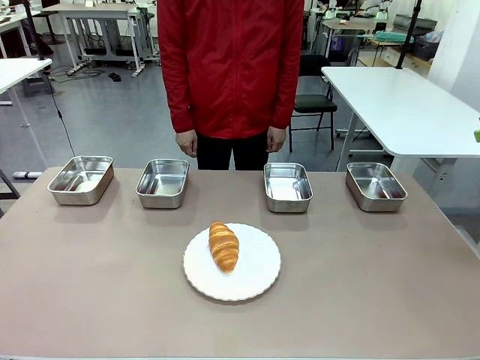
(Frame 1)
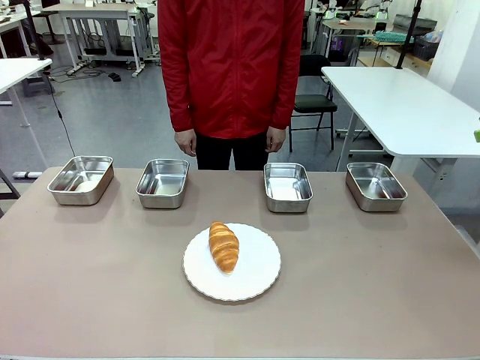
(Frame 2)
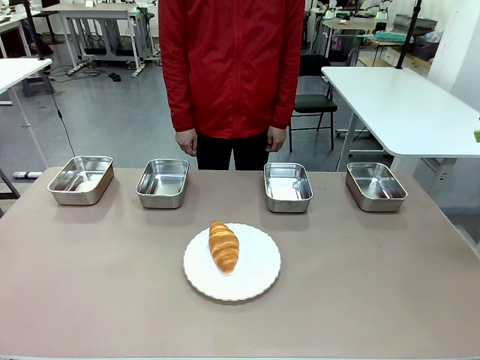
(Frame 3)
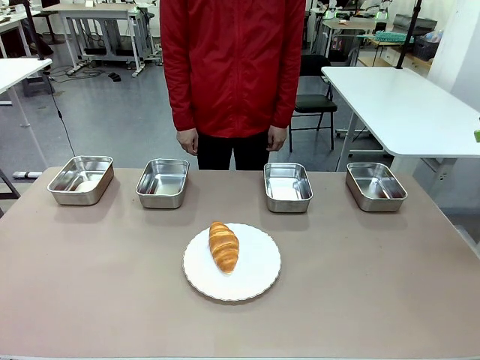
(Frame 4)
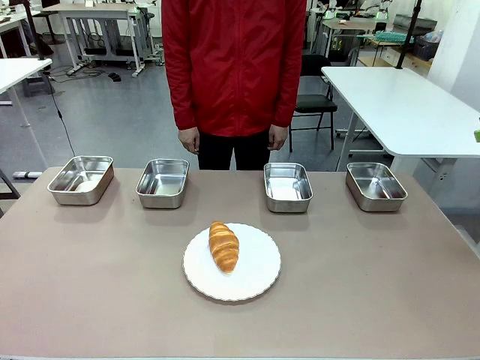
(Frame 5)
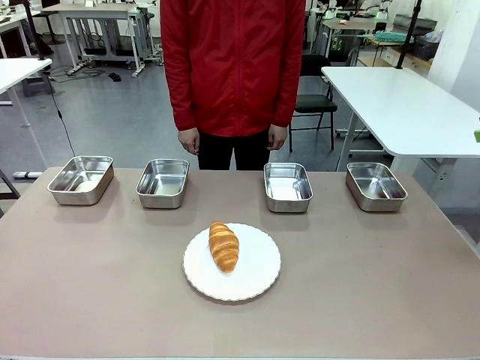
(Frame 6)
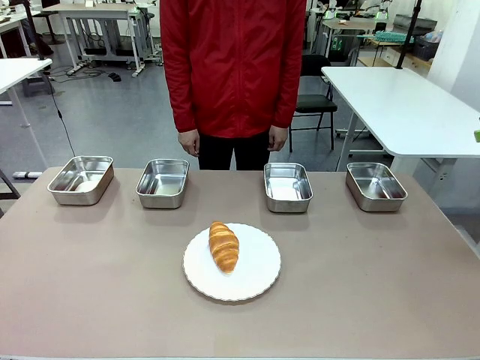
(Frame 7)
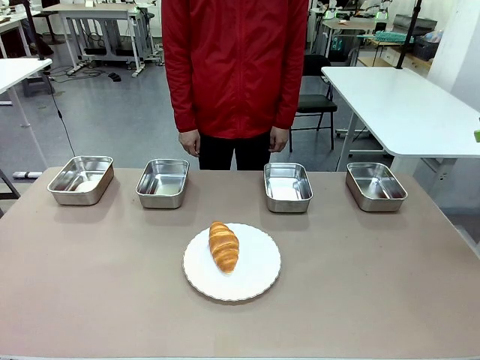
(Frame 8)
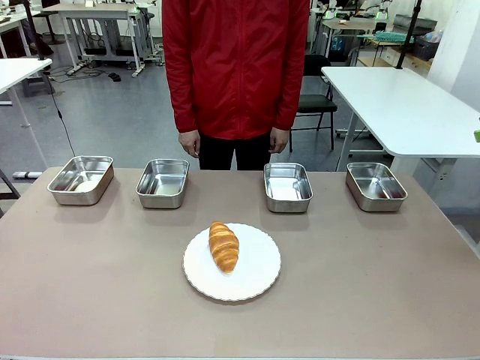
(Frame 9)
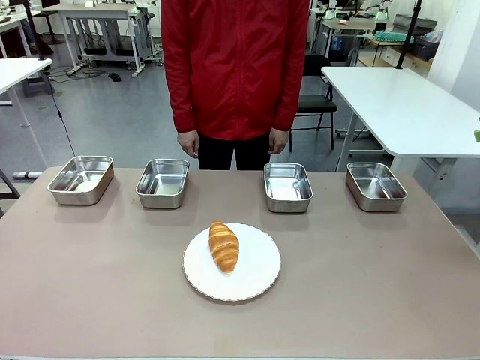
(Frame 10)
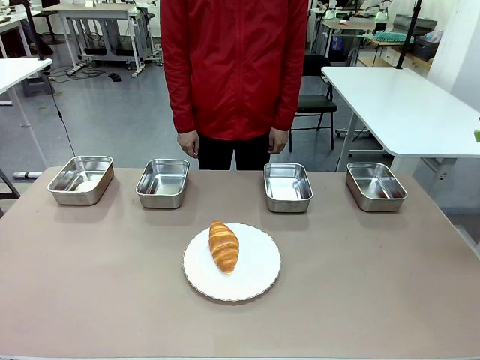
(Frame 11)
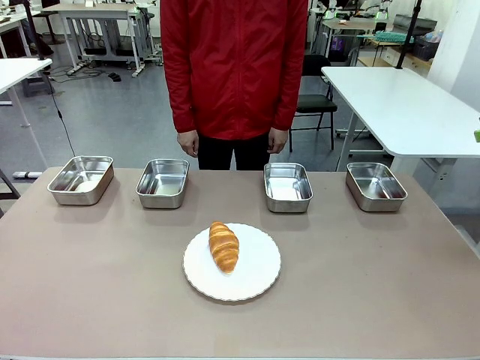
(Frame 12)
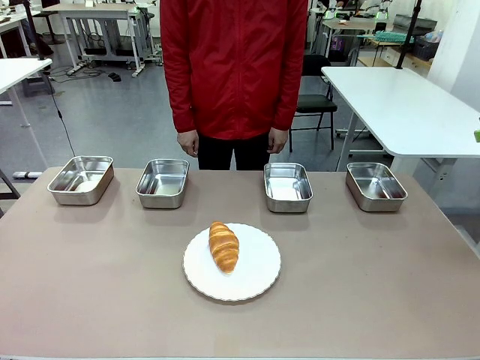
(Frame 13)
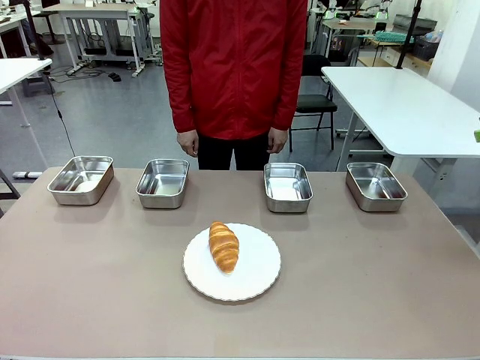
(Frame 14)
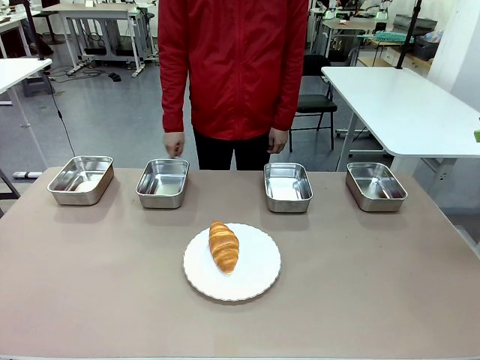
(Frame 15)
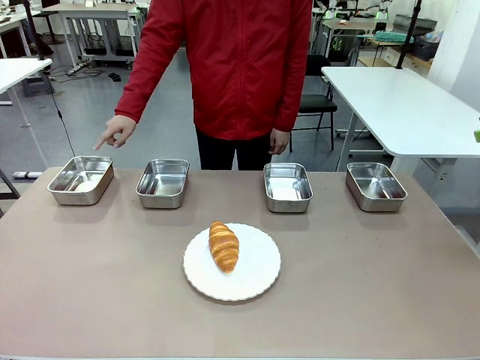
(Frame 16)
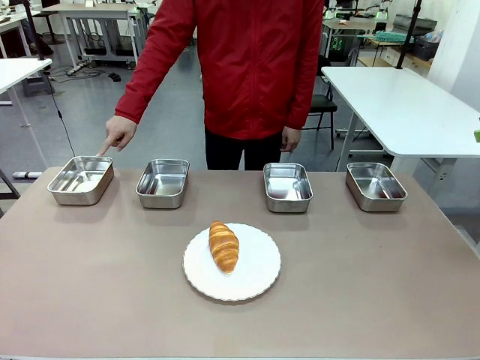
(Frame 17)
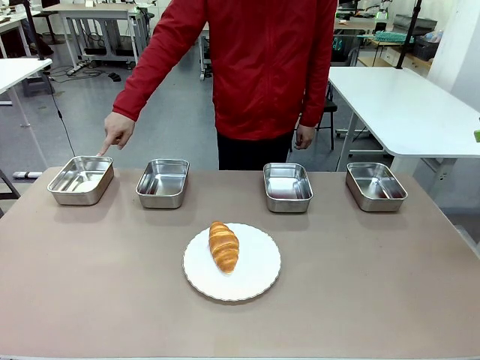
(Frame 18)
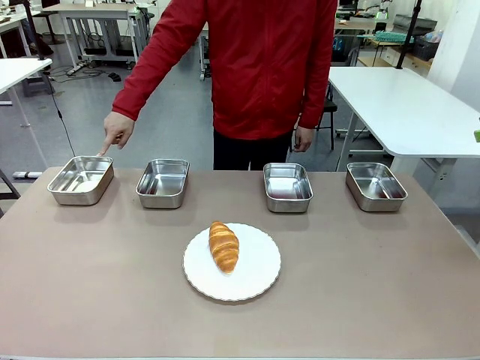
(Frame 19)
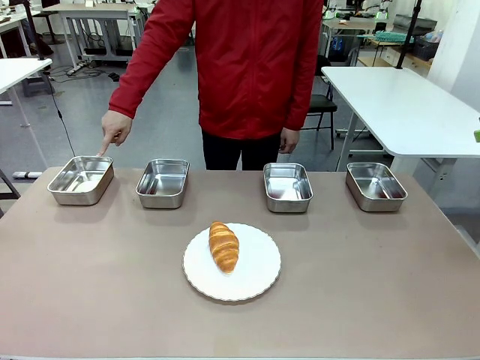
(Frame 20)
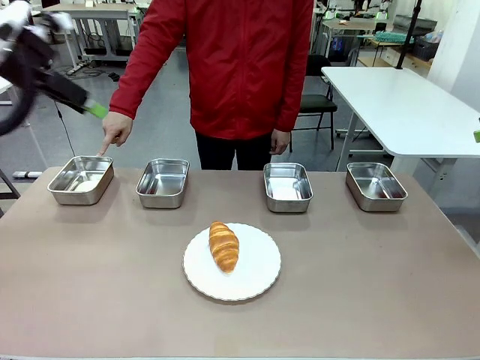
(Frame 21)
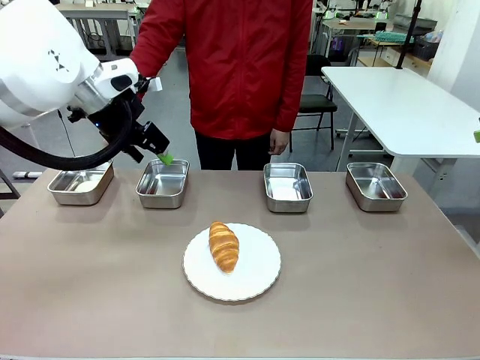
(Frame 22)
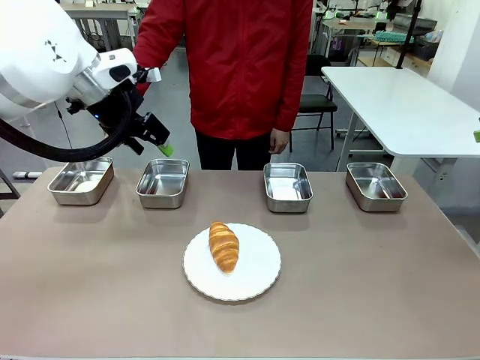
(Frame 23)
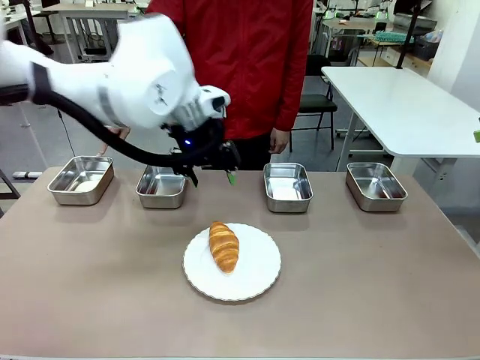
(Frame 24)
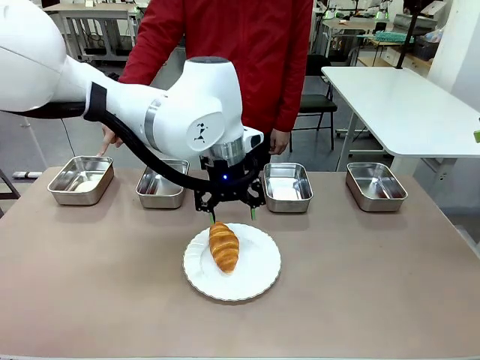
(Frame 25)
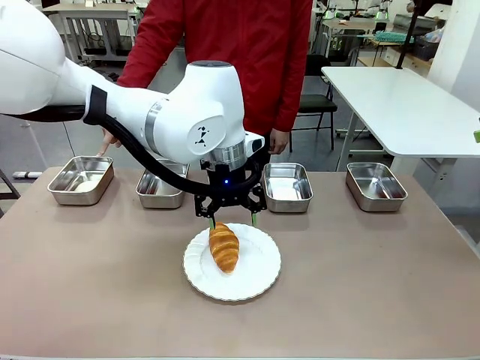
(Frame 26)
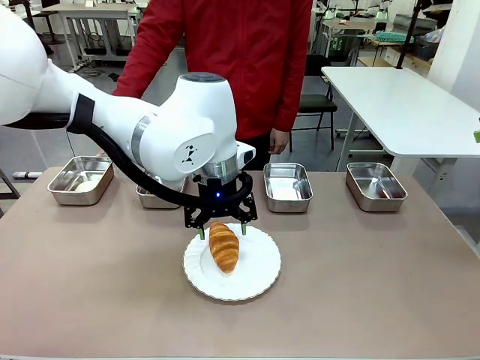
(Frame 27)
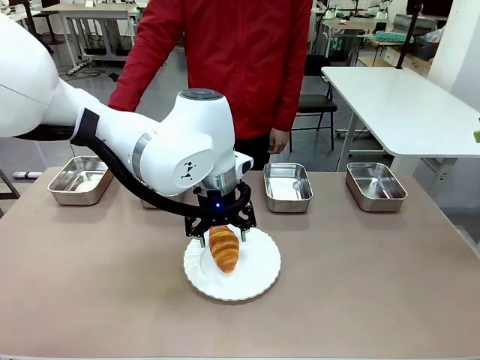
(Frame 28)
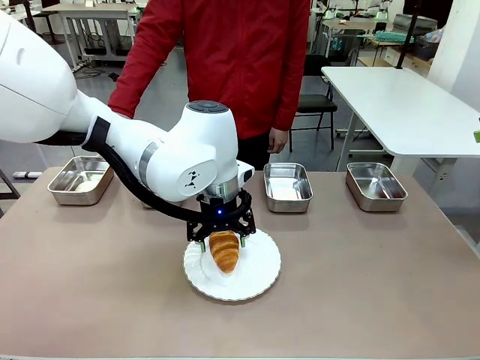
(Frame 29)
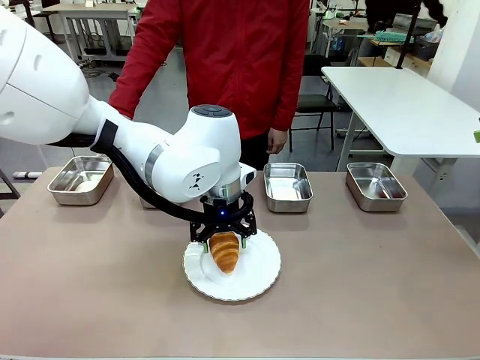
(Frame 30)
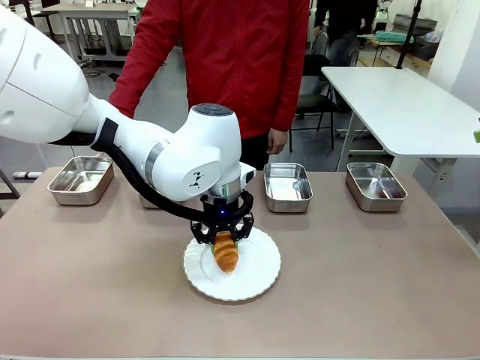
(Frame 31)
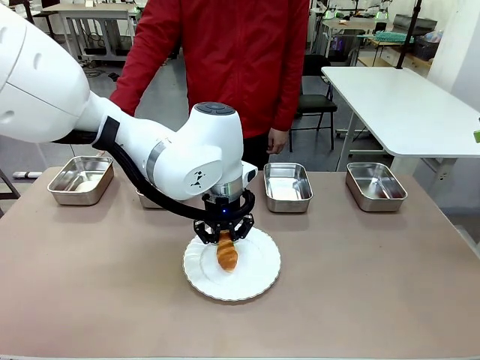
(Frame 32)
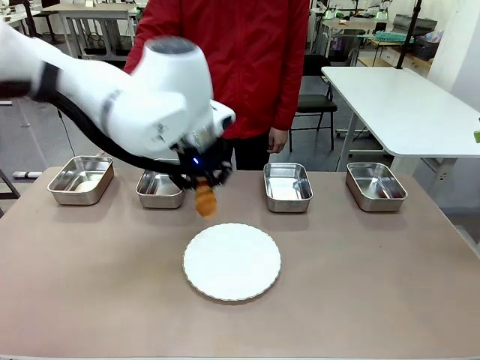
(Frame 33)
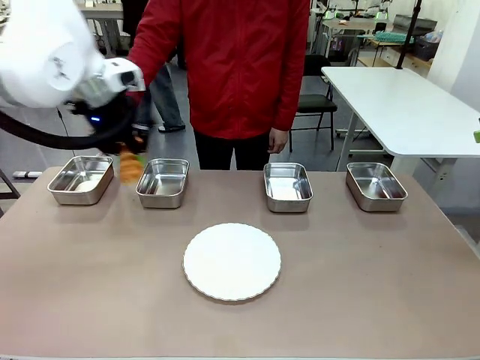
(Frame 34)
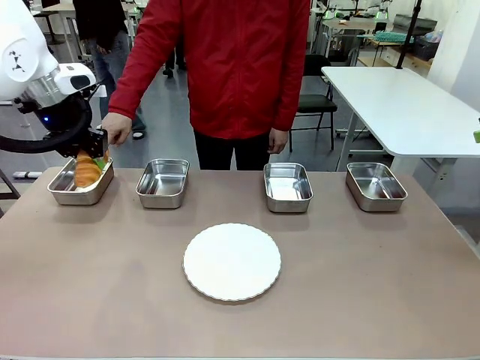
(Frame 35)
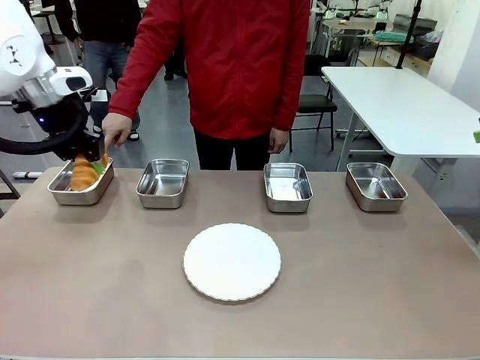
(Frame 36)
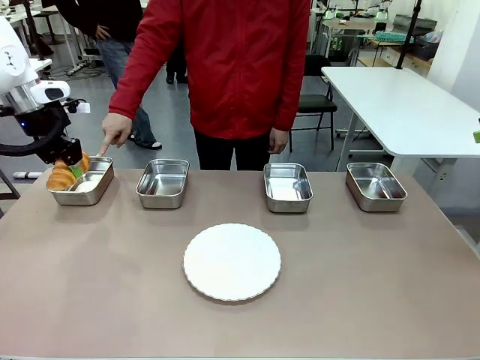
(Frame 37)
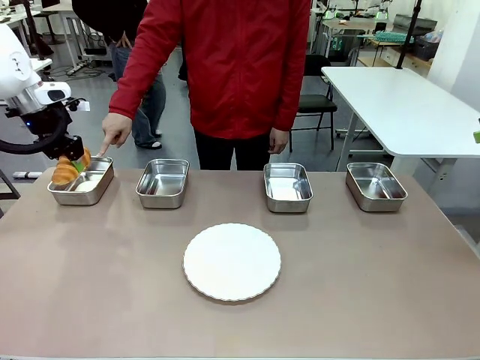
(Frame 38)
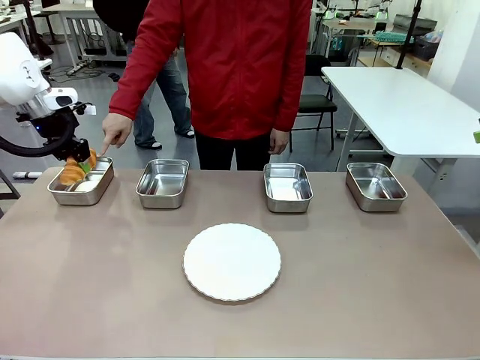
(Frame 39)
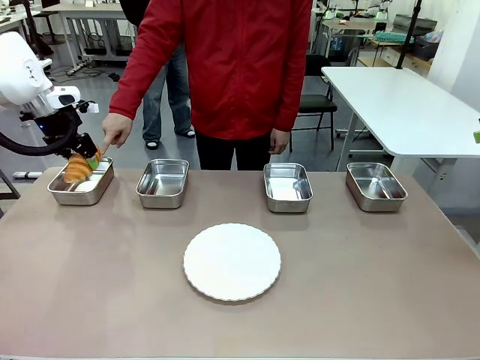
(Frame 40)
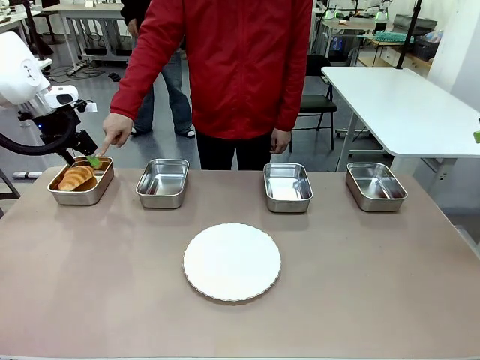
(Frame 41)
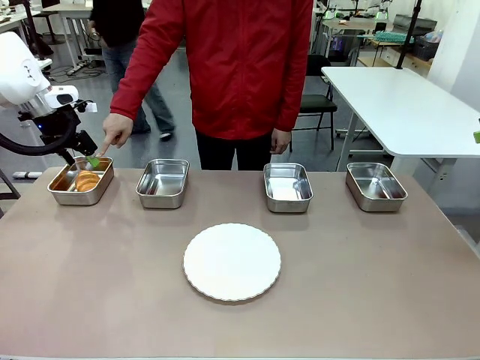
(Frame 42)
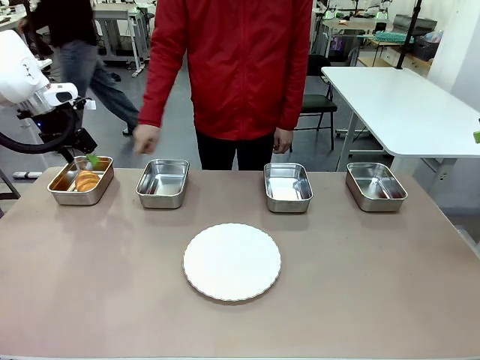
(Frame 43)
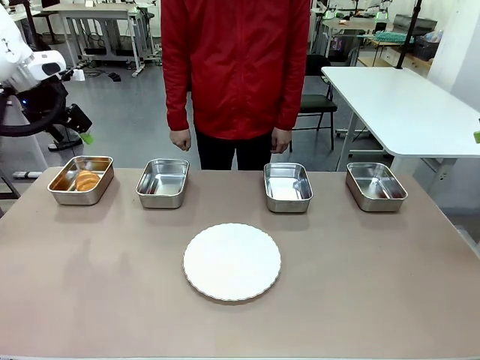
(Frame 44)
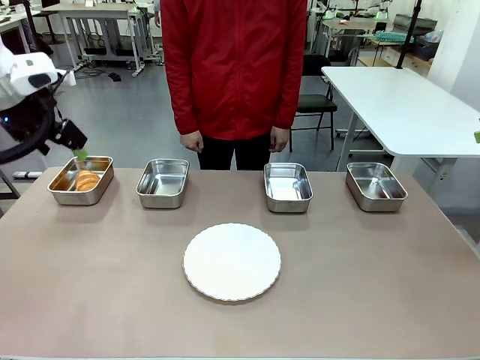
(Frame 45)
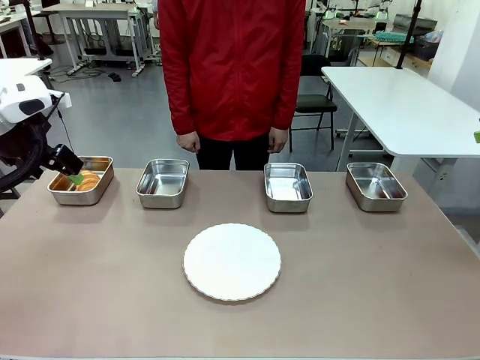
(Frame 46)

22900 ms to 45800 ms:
Task: Place the bread in the container.
Robot: Place the Butter Roll into the Airtight Container indicated by the human.

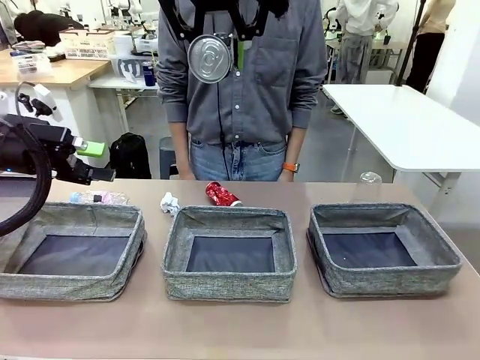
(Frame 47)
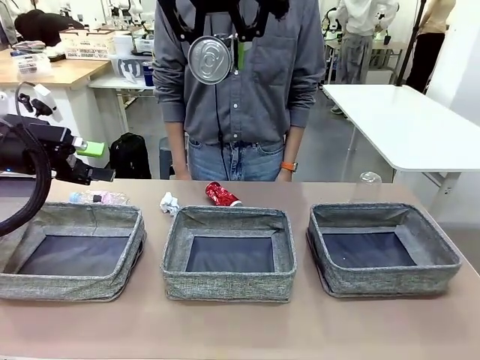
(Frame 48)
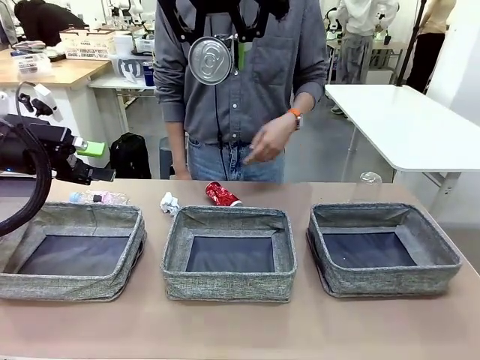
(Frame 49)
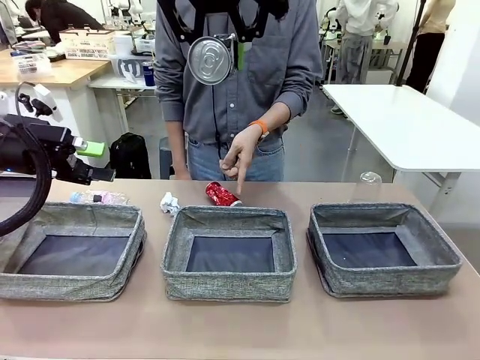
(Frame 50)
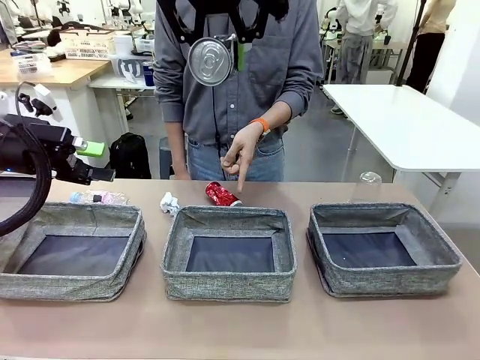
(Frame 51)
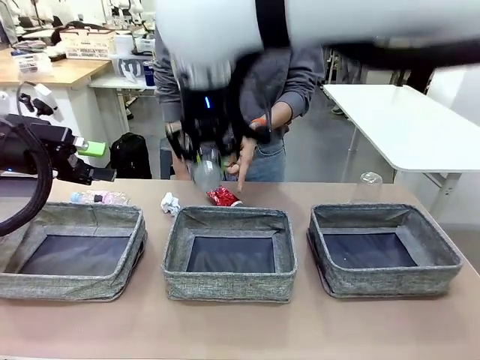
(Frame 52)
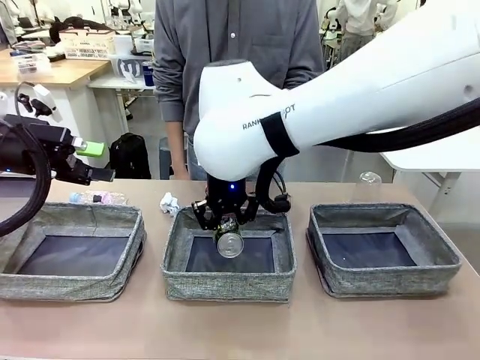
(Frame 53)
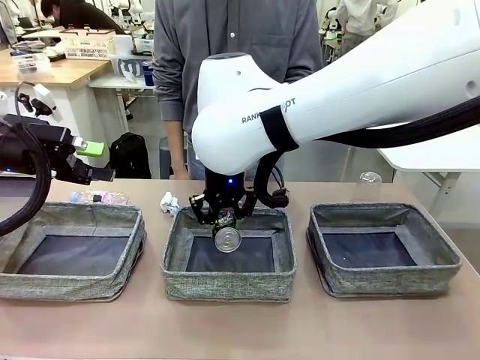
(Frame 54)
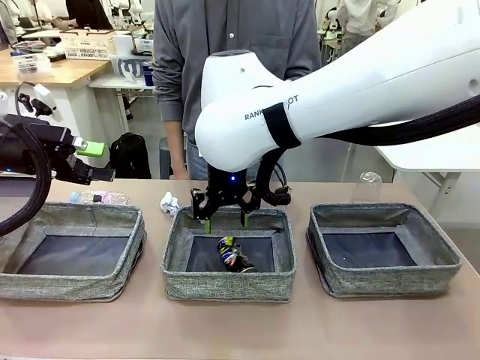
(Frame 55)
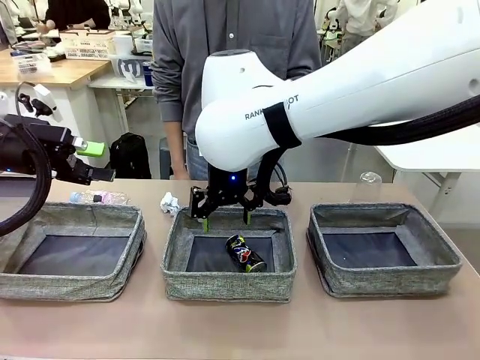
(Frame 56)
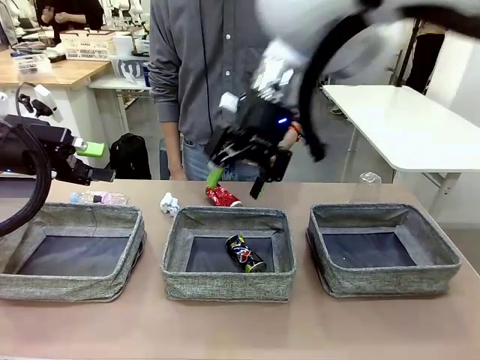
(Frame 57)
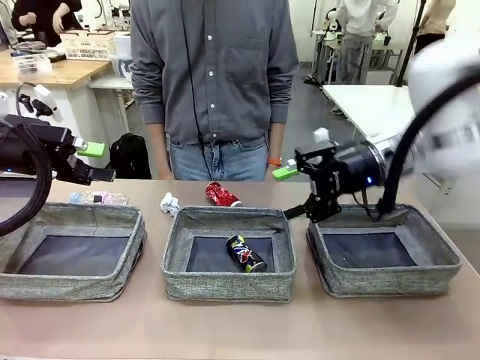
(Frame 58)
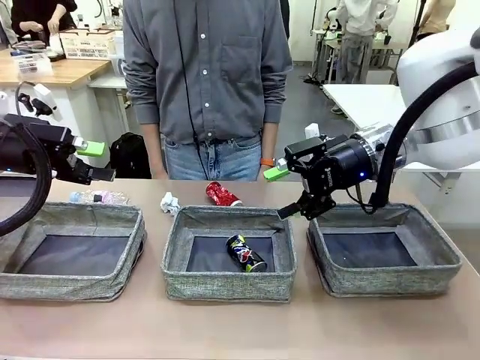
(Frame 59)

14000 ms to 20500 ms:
Task: Sort the waste into the appropriate baskets.
Robot: Place the picked waste into the Fabric basket indicated by the person.
Person: Instructs the robot to place the picked-up trash into the appropriate organizing basket.
